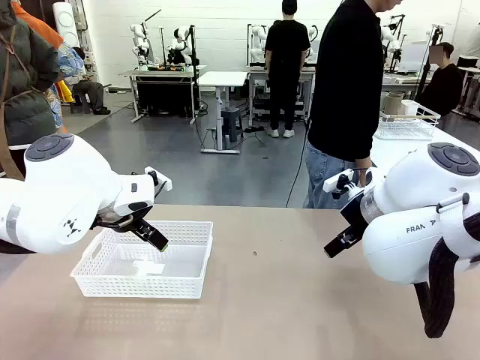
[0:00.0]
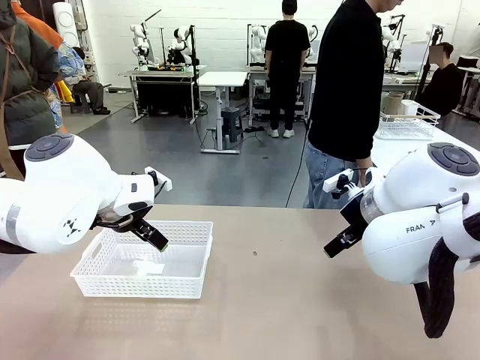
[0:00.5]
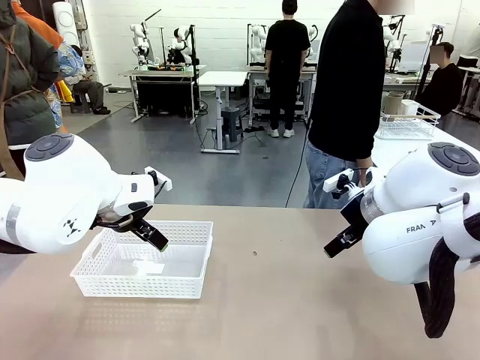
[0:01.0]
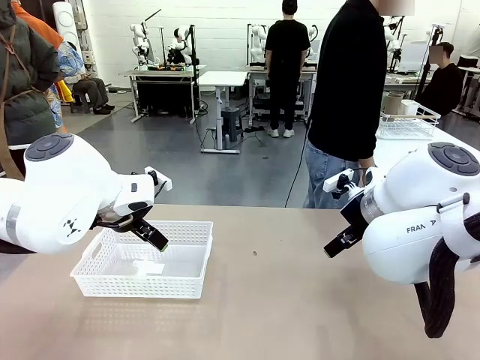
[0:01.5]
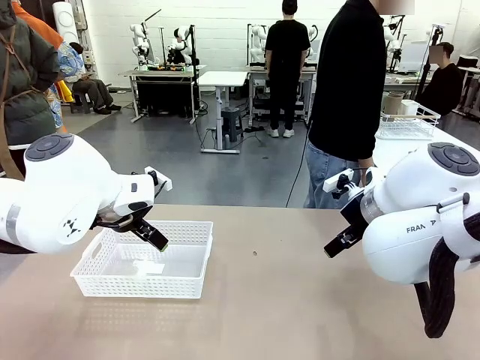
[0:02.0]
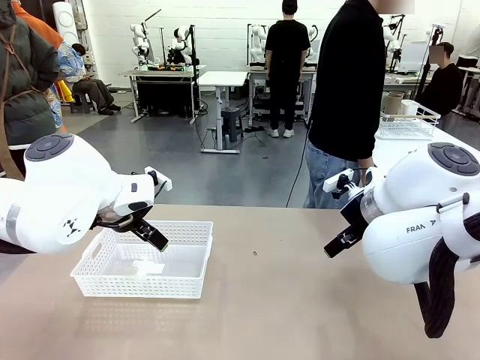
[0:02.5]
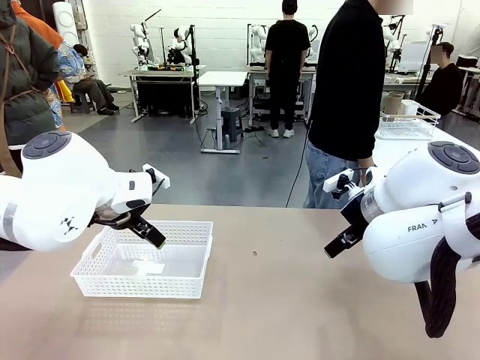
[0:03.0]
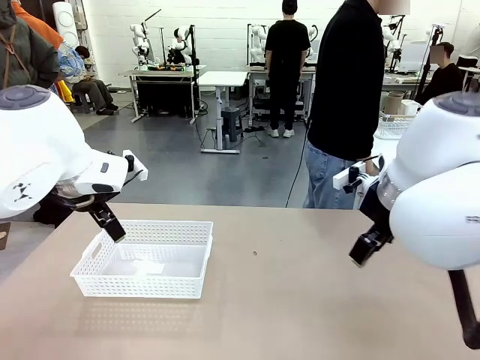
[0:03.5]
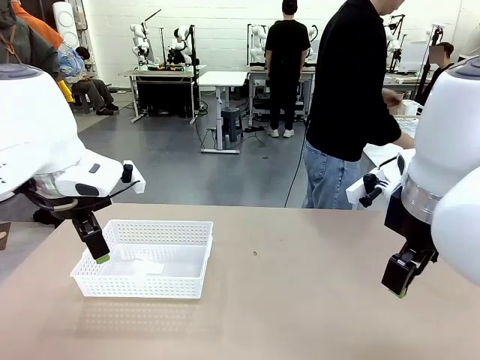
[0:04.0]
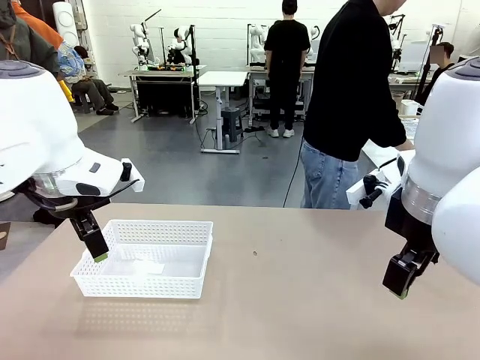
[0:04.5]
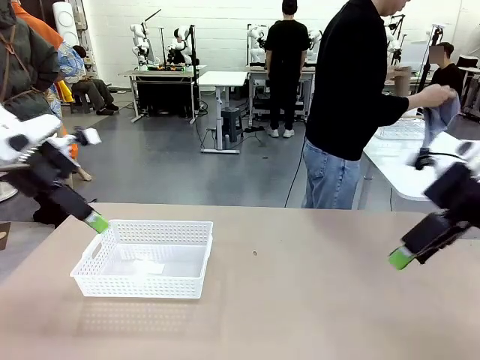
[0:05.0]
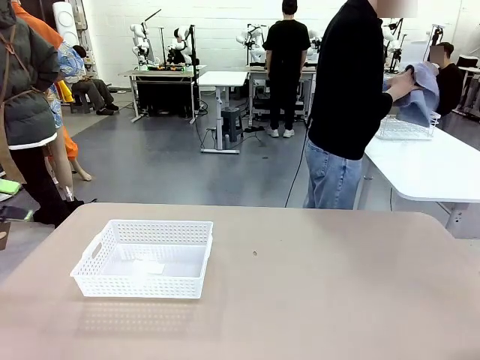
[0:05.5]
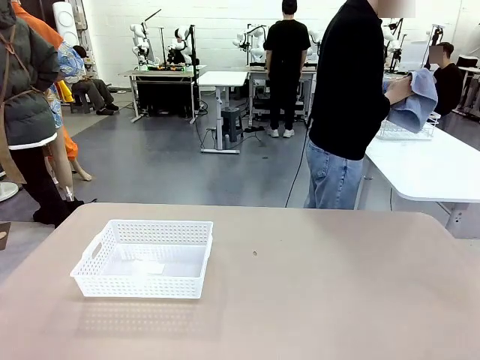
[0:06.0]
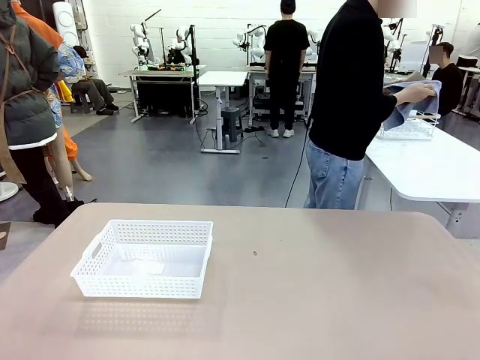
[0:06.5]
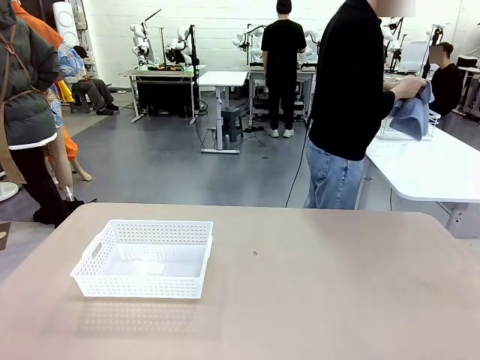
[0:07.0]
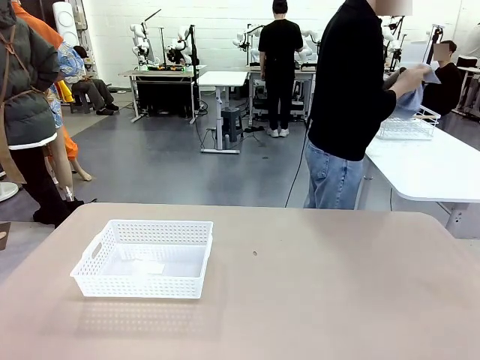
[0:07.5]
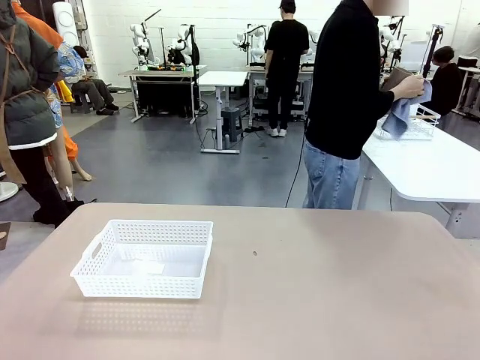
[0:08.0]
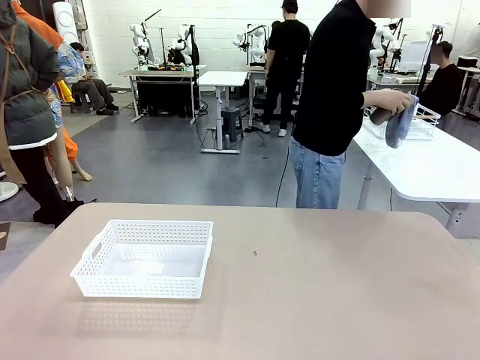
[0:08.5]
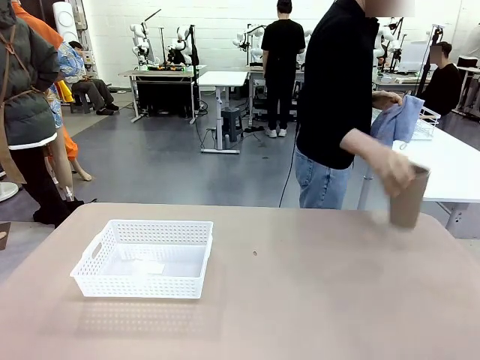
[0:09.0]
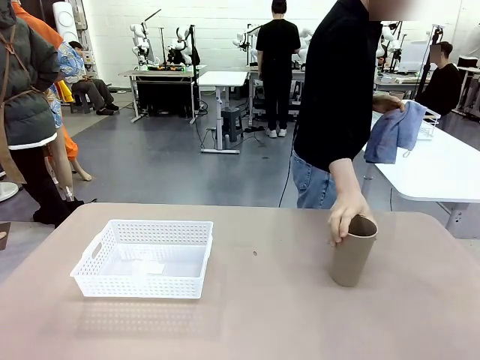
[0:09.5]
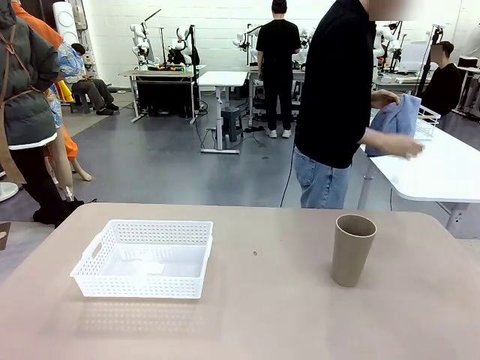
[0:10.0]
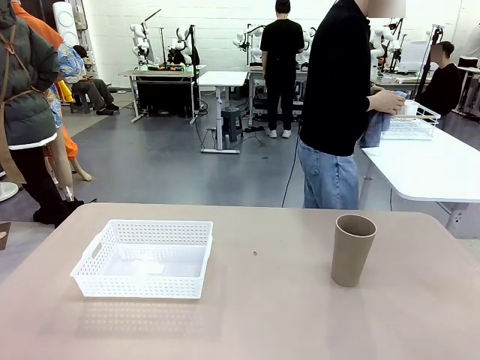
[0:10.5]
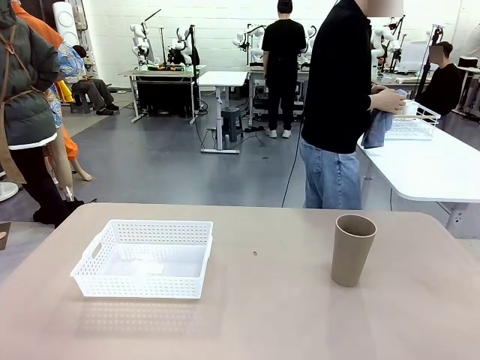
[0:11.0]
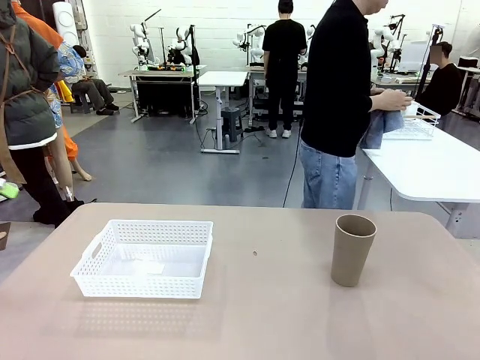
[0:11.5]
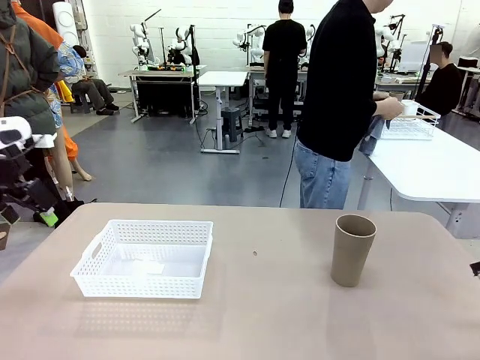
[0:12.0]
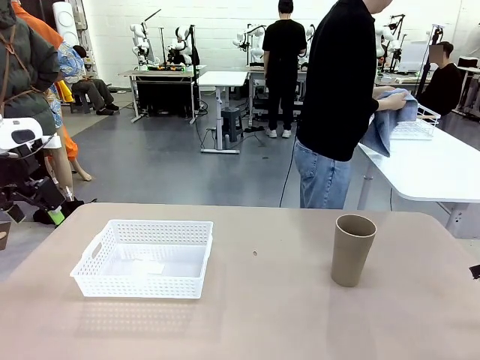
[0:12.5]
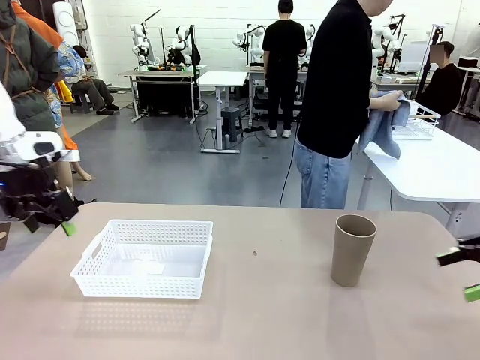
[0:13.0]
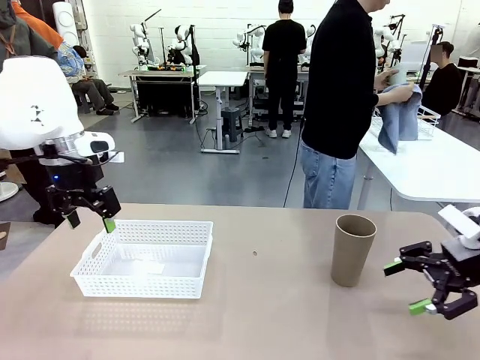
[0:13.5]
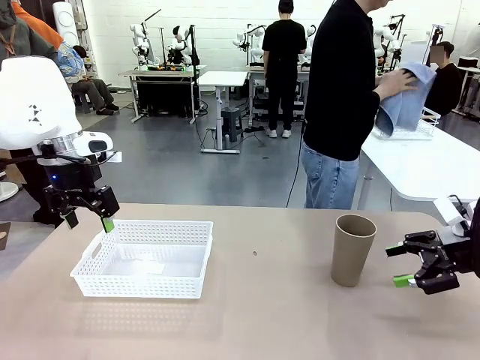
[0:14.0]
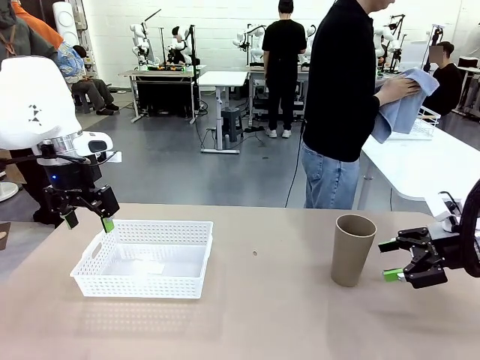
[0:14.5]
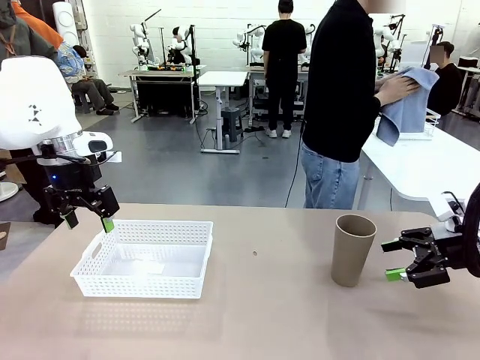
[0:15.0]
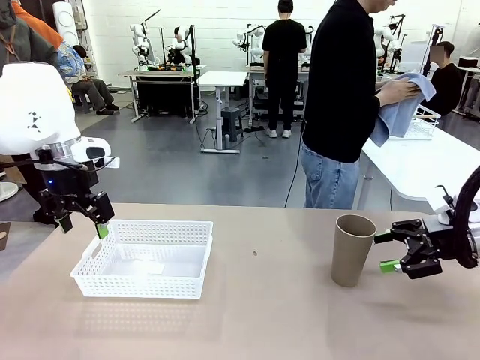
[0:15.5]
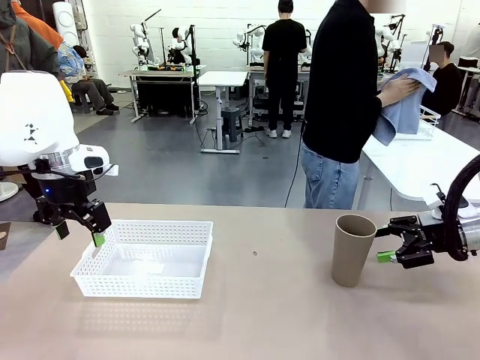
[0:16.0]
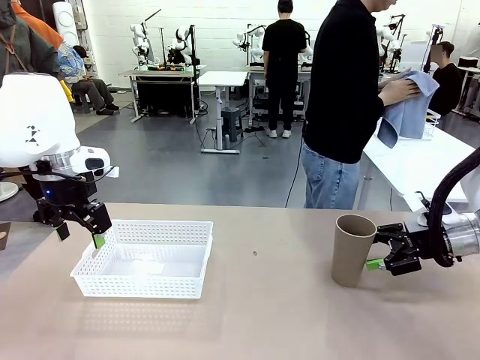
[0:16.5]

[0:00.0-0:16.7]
Task: Clean and organize the cups into the basket.
Robot: Pick up the Organizing basket and move it to the center of the table, then pick up the Reusable plastic cup from the right side of the table and place it inside the Organizing basket.
Person: Picks up a cup and a towel, cleans the cup with the towel, and places it on the left side of the robot table.
